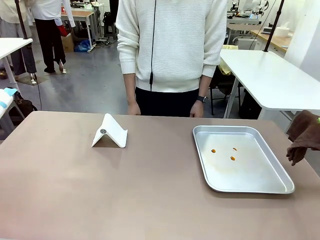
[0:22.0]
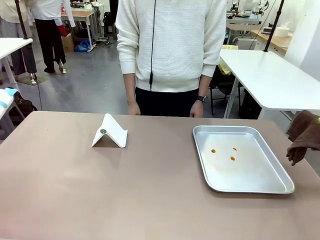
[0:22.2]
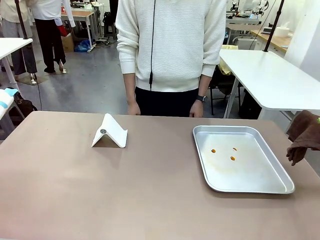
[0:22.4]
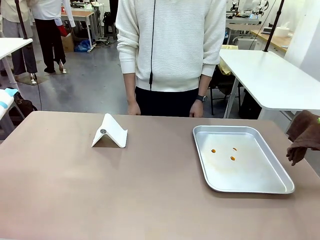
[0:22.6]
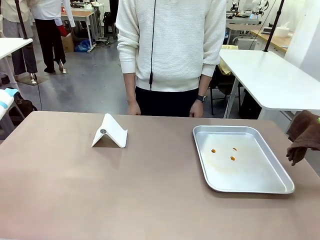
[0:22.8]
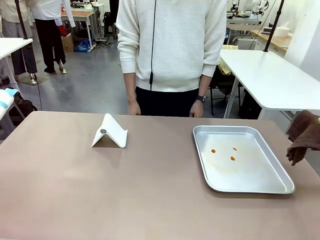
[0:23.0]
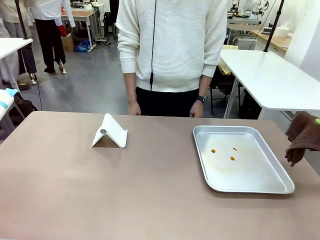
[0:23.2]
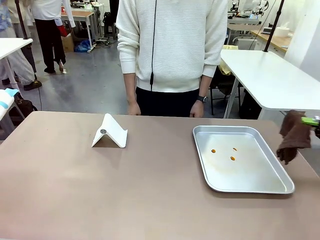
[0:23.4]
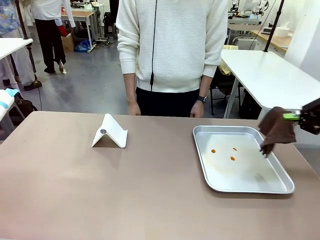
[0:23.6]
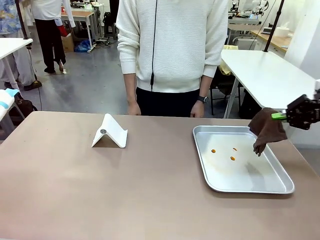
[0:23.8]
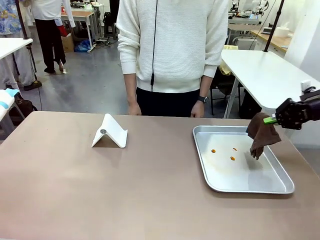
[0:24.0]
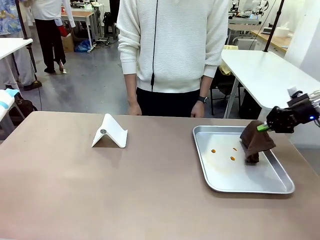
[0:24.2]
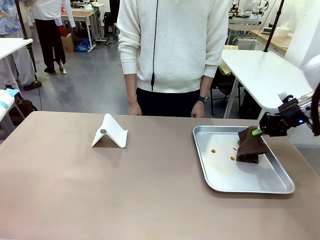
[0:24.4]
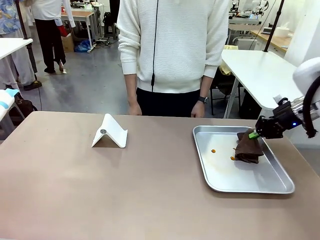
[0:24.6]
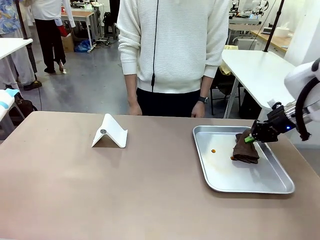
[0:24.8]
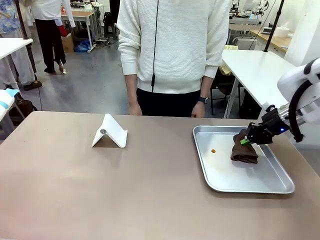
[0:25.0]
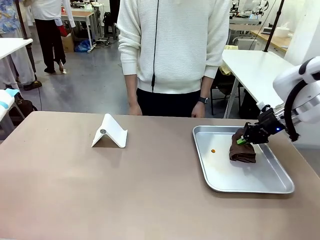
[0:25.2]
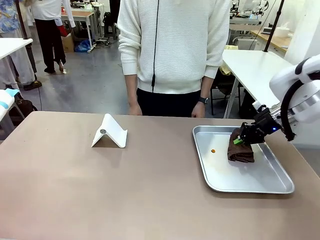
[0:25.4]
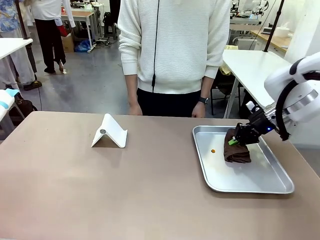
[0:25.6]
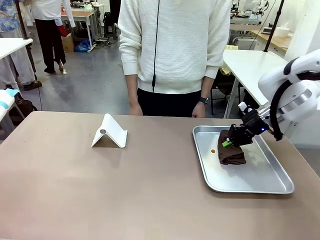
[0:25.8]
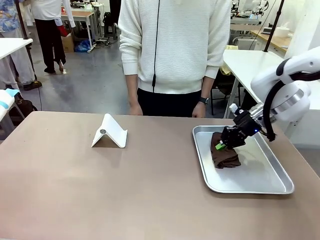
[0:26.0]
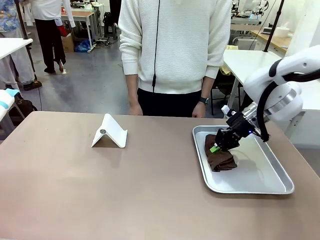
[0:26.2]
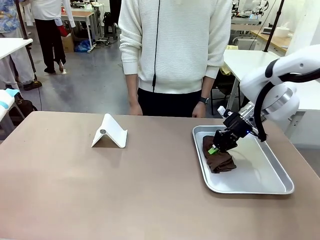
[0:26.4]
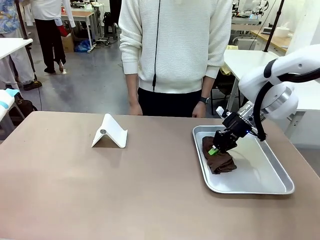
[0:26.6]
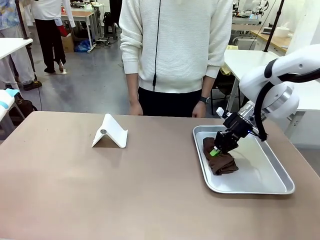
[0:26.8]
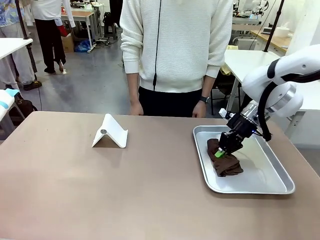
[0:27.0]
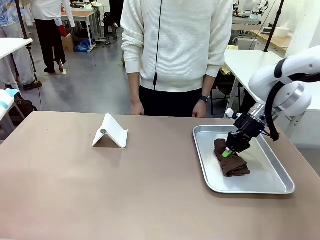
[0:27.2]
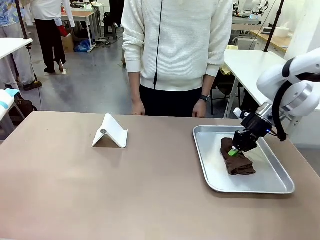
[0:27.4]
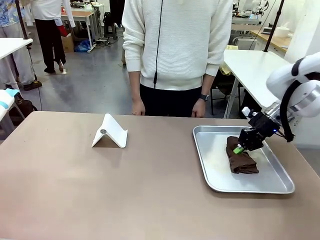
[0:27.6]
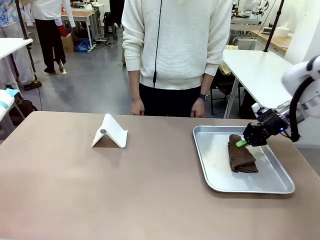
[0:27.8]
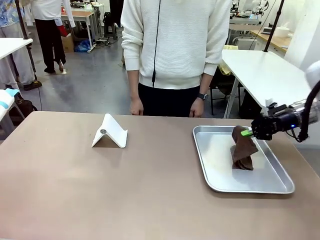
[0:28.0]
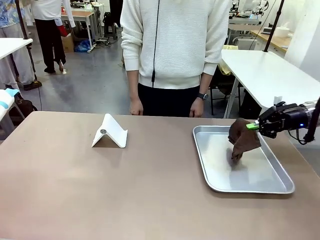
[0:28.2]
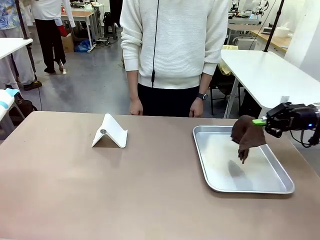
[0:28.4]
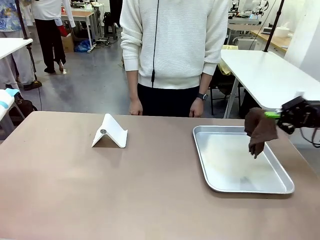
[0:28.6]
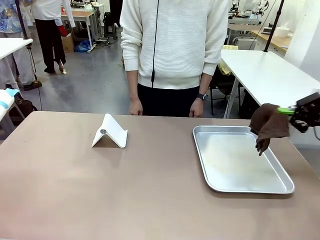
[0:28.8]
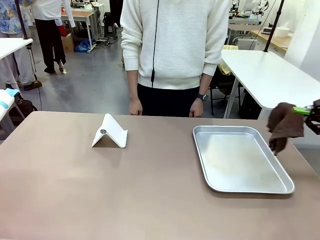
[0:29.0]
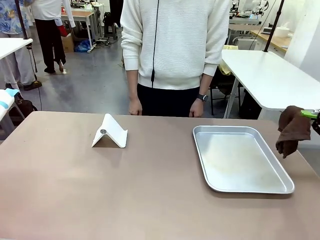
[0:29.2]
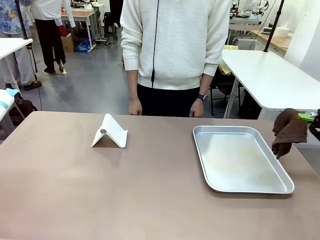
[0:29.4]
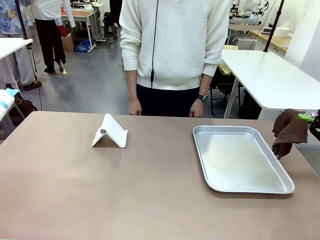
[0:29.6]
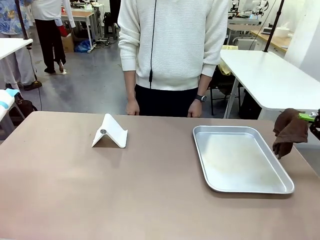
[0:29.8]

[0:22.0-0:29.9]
Task: Clean the surface of the table.
Robot: Clean the area not pointed to by the person.

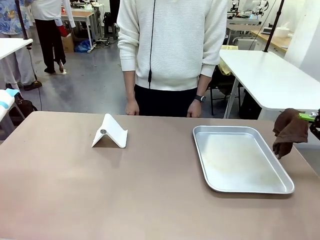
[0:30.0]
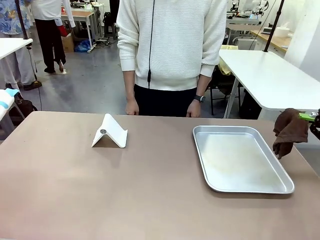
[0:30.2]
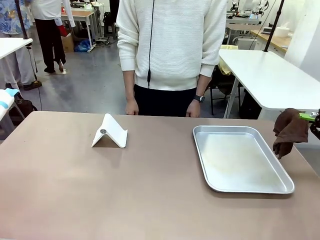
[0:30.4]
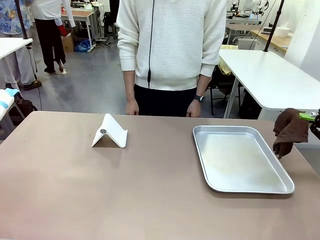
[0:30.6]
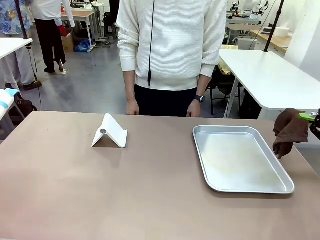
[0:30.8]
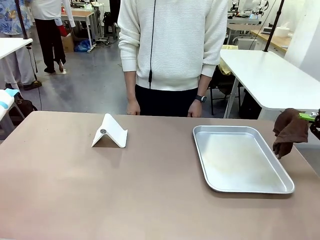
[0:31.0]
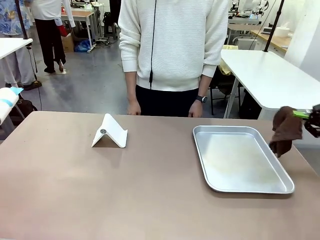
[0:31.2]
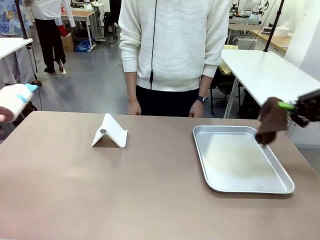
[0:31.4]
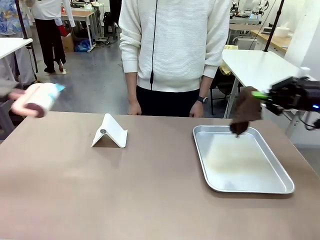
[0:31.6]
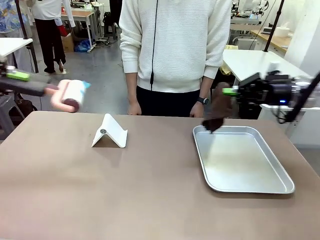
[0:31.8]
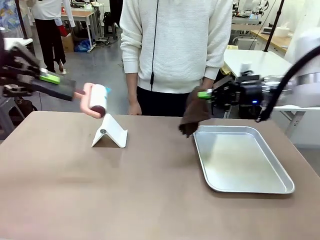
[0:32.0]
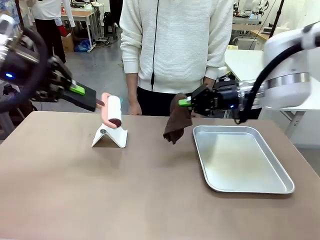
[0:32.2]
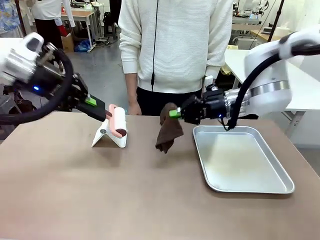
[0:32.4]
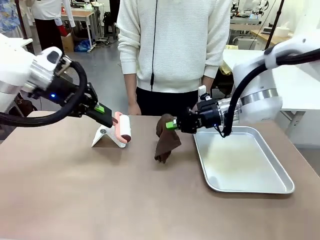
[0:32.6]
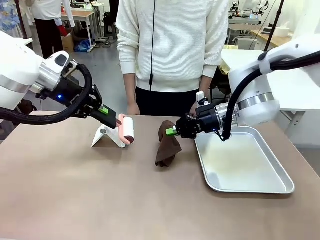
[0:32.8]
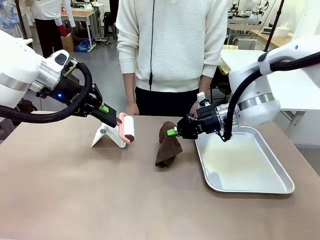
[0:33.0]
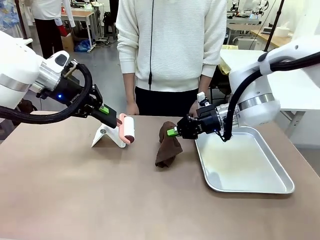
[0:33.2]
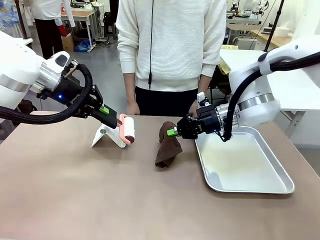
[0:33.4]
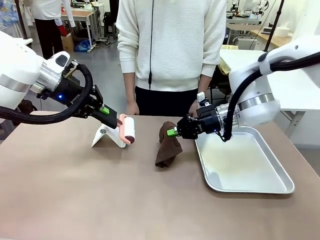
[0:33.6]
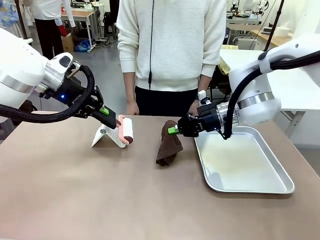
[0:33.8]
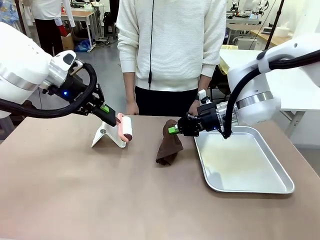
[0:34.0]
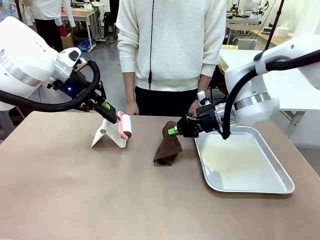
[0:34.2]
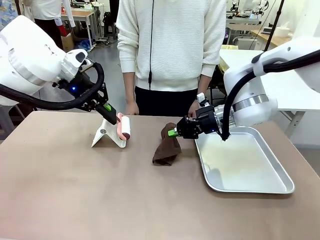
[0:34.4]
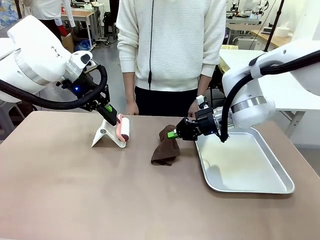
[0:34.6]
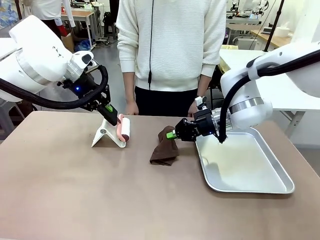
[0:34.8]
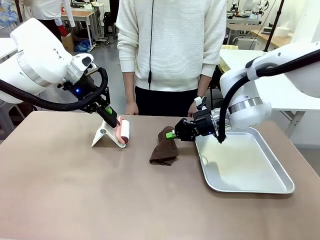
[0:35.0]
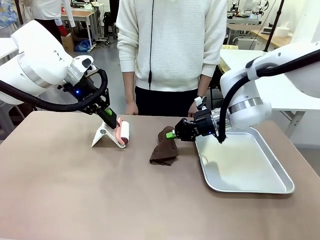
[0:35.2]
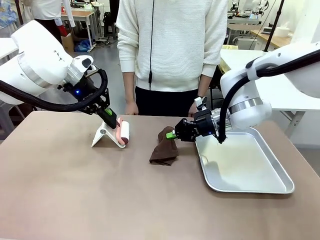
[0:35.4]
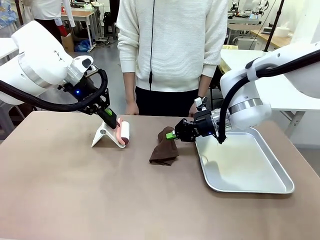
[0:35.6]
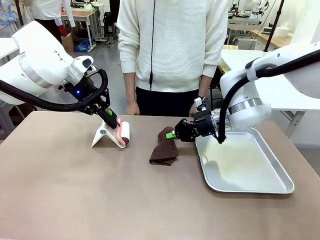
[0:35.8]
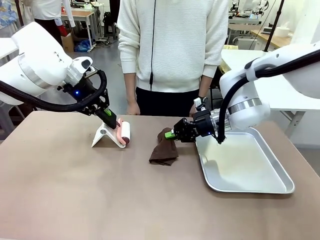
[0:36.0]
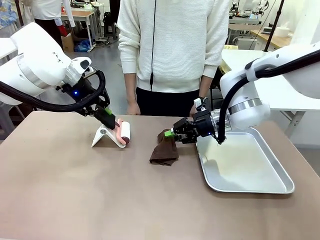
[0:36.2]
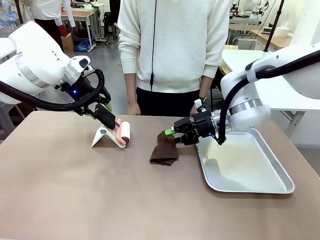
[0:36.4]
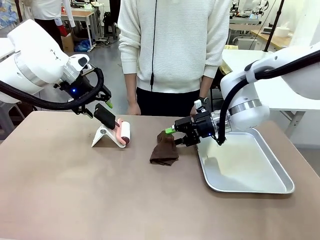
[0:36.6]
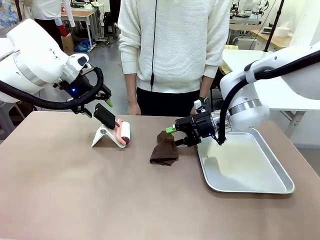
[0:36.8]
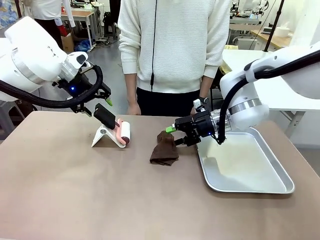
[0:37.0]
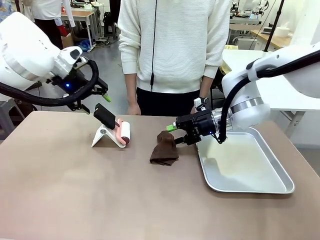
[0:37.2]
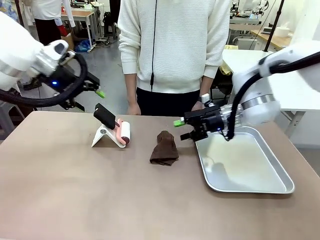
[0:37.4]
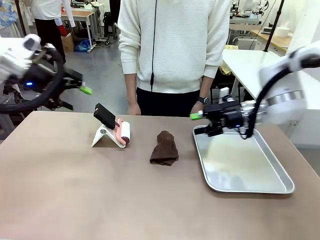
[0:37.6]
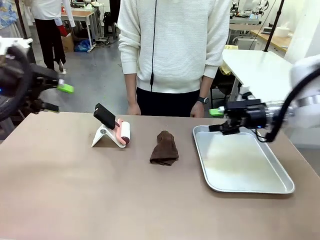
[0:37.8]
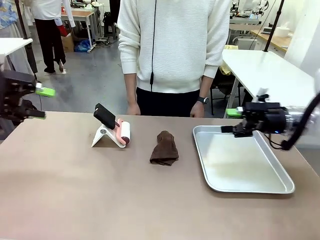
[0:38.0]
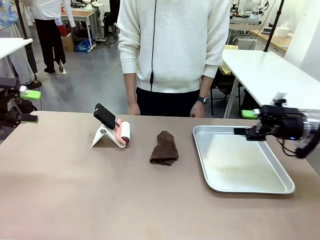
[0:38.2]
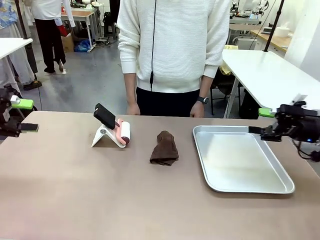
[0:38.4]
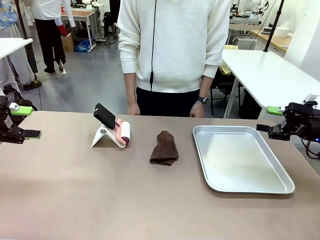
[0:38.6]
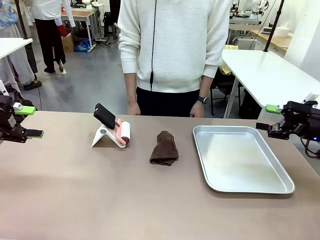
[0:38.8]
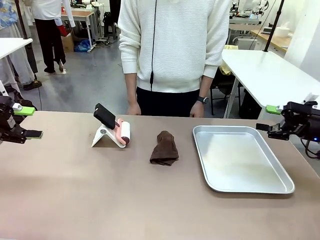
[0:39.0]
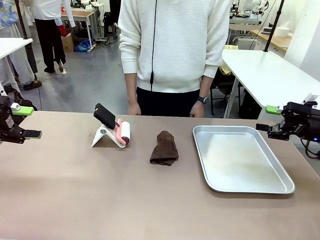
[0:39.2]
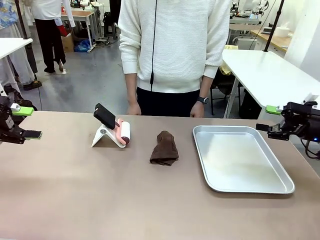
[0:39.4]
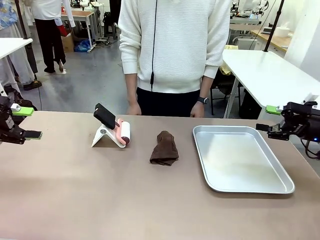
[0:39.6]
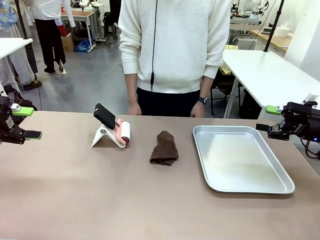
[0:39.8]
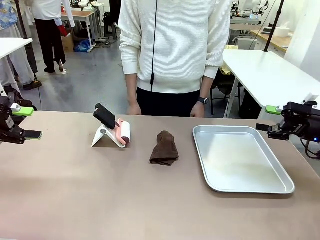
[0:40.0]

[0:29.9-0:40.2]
Robot: Return the Lint Roller and towel to their original positions.
